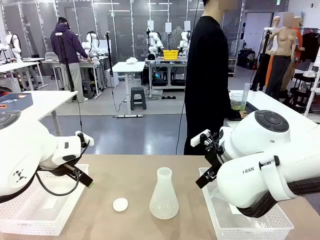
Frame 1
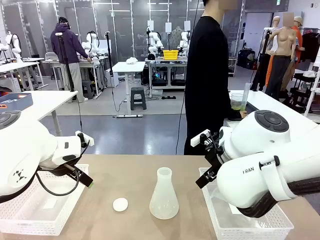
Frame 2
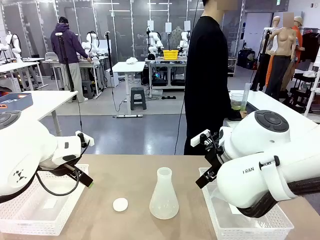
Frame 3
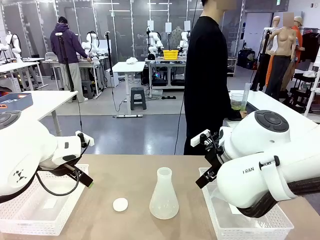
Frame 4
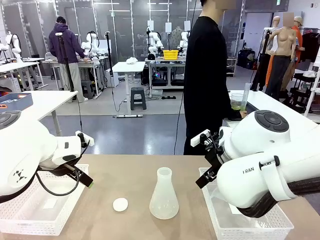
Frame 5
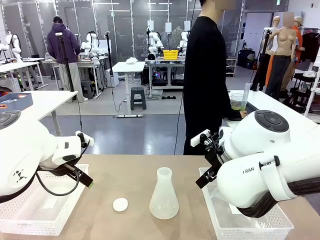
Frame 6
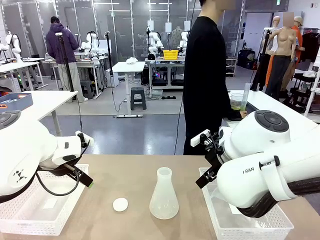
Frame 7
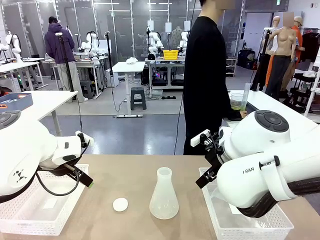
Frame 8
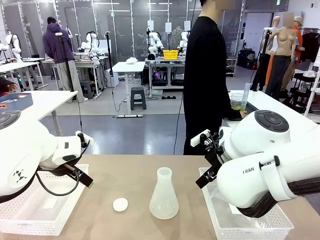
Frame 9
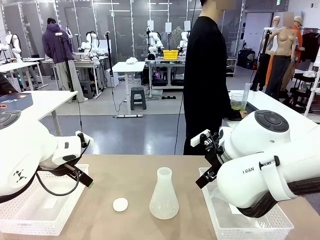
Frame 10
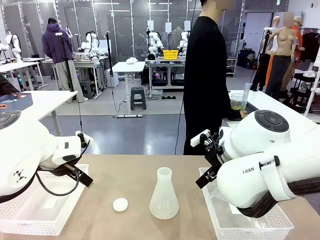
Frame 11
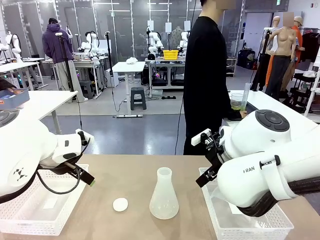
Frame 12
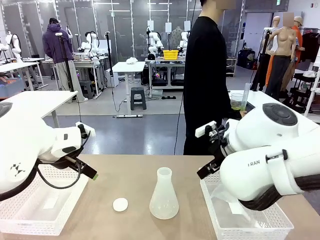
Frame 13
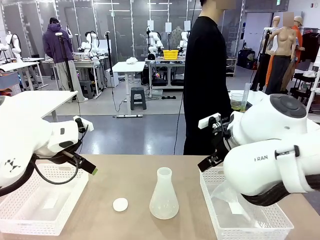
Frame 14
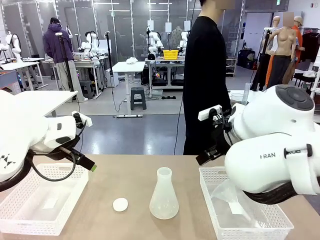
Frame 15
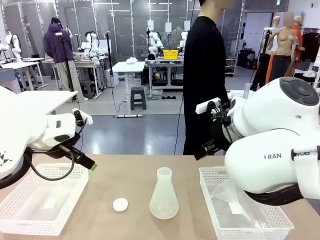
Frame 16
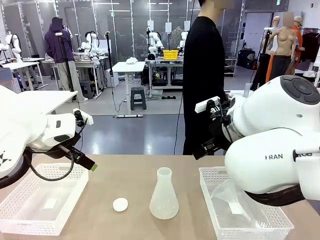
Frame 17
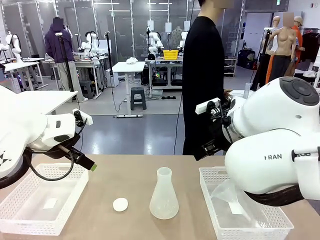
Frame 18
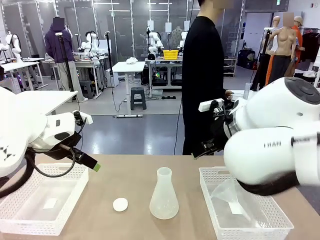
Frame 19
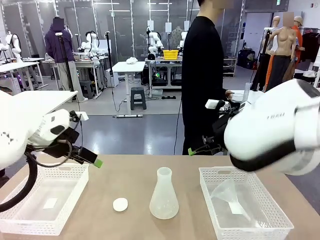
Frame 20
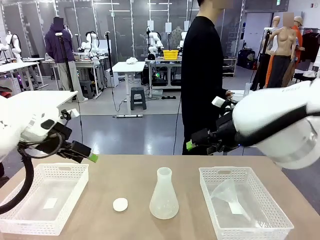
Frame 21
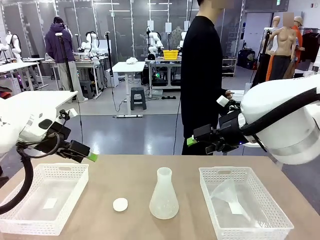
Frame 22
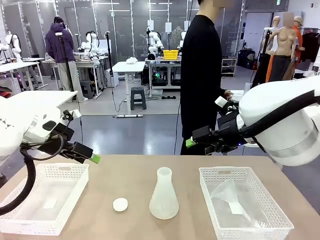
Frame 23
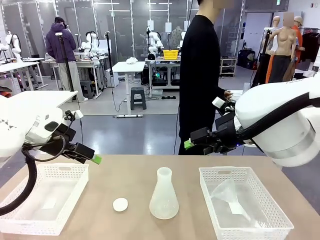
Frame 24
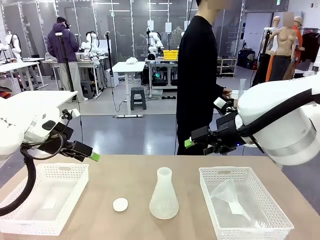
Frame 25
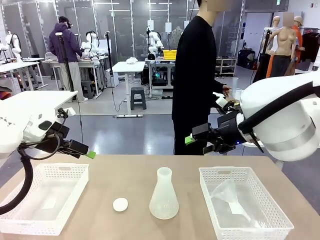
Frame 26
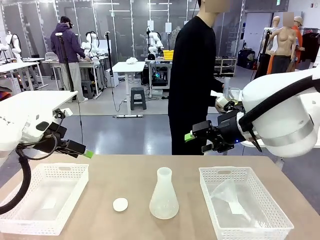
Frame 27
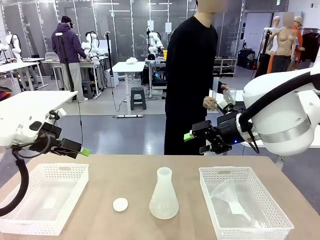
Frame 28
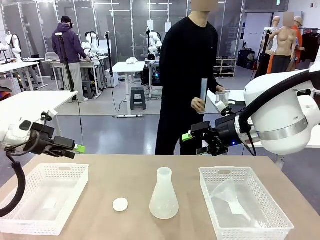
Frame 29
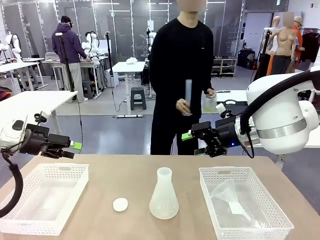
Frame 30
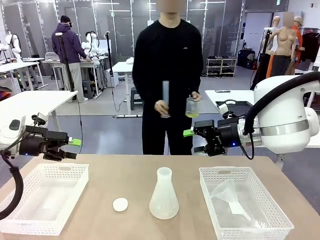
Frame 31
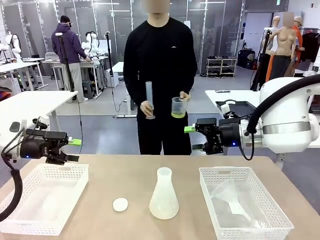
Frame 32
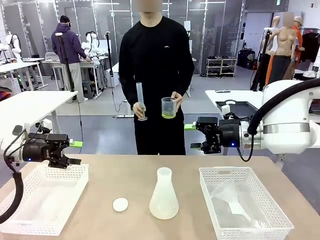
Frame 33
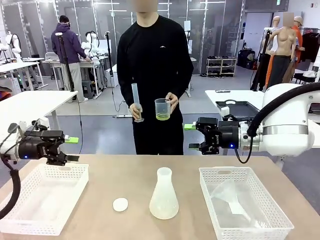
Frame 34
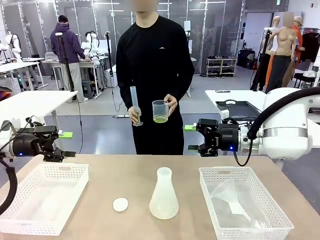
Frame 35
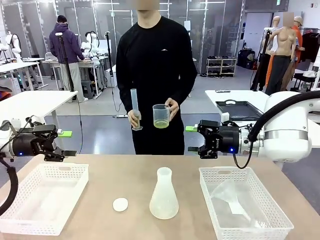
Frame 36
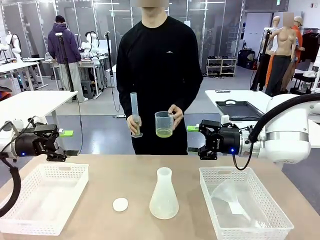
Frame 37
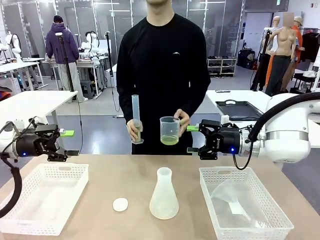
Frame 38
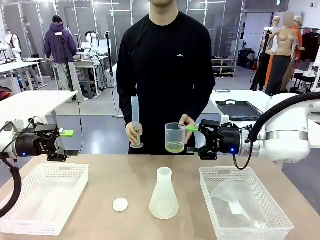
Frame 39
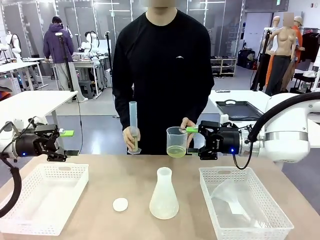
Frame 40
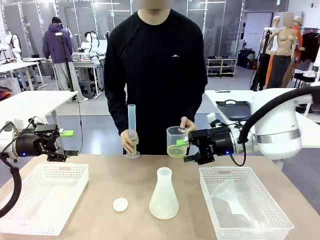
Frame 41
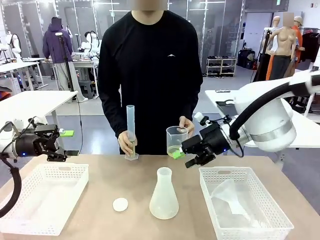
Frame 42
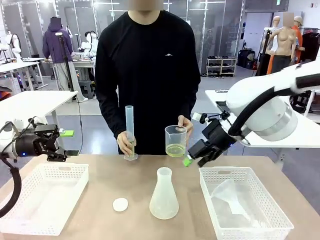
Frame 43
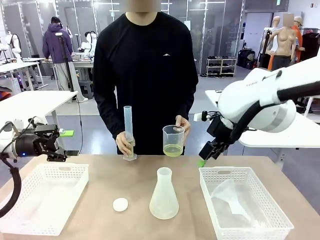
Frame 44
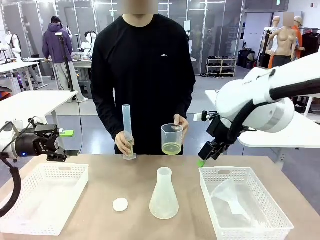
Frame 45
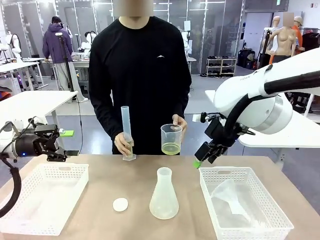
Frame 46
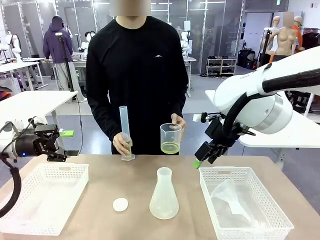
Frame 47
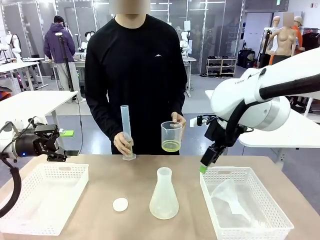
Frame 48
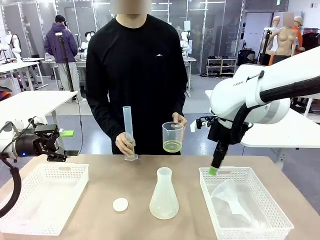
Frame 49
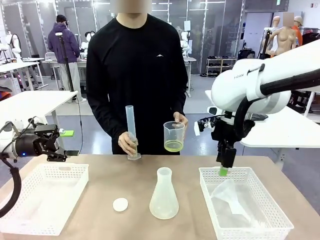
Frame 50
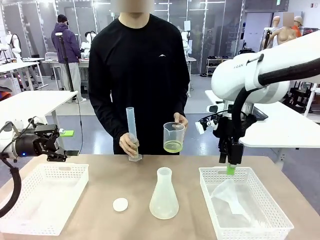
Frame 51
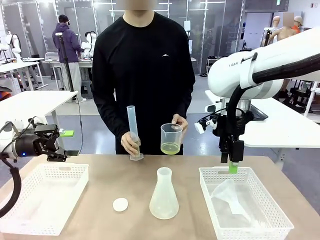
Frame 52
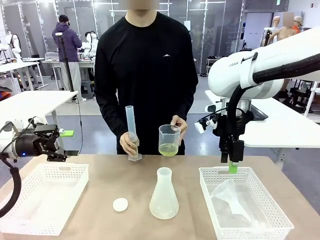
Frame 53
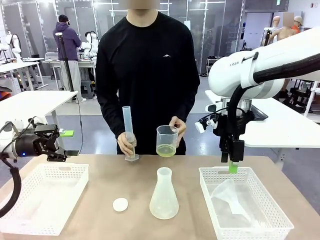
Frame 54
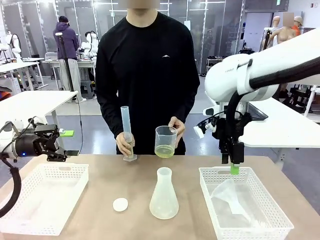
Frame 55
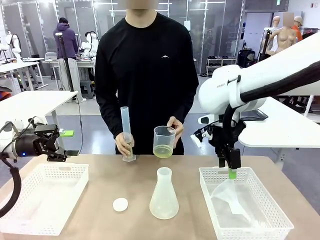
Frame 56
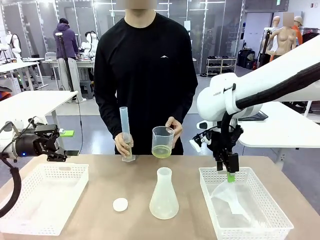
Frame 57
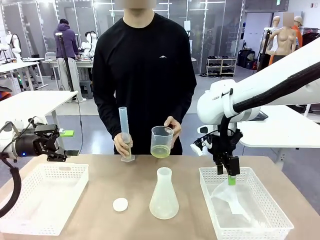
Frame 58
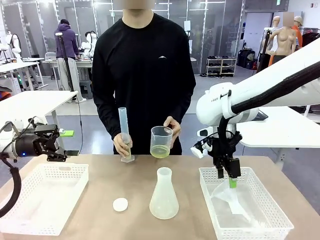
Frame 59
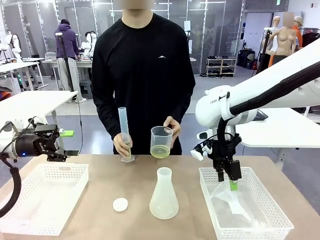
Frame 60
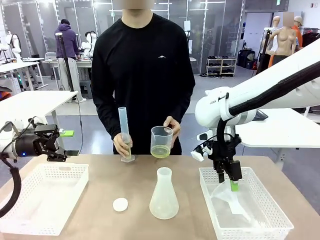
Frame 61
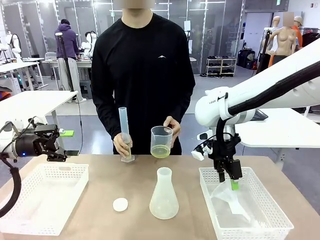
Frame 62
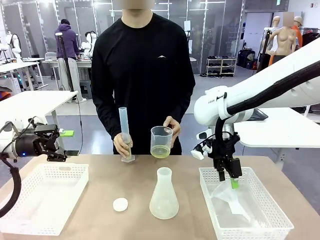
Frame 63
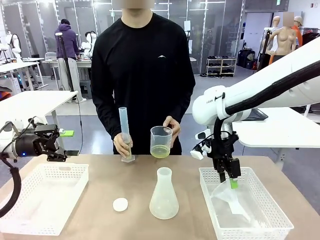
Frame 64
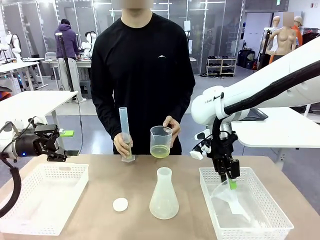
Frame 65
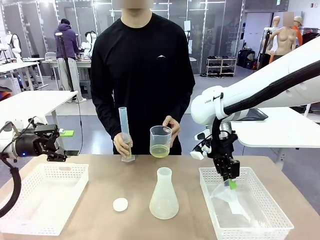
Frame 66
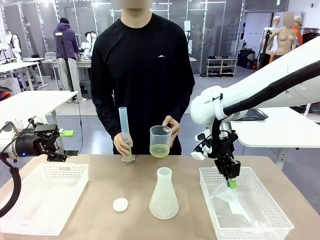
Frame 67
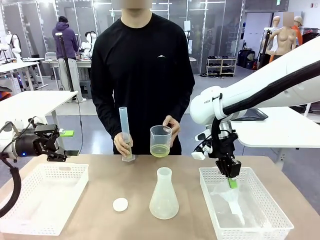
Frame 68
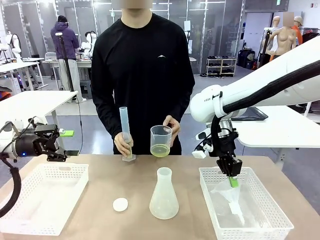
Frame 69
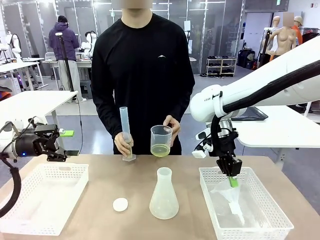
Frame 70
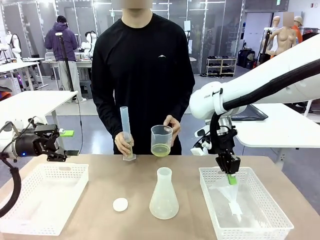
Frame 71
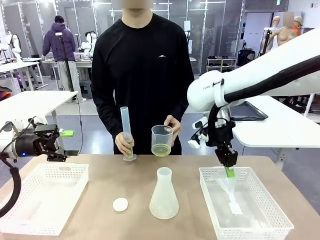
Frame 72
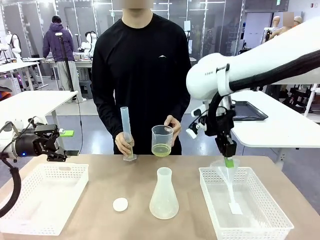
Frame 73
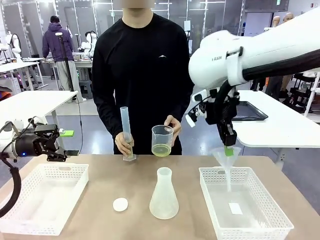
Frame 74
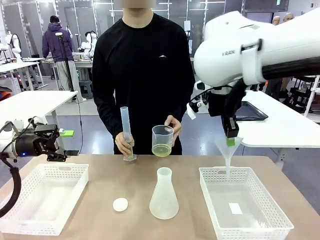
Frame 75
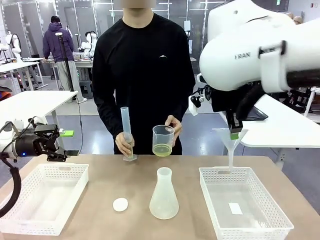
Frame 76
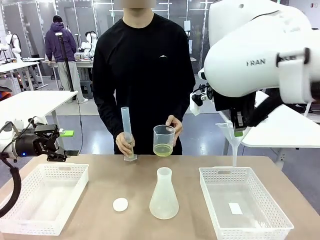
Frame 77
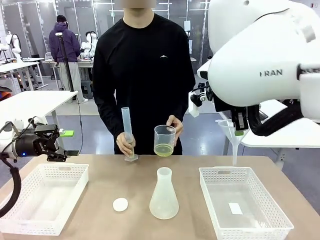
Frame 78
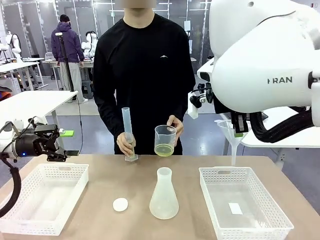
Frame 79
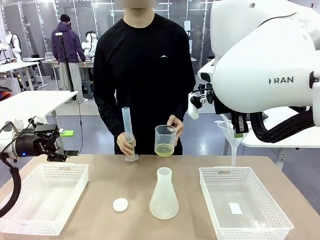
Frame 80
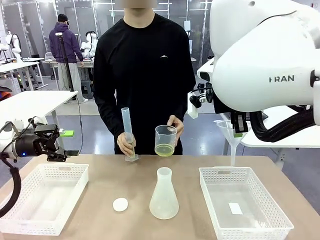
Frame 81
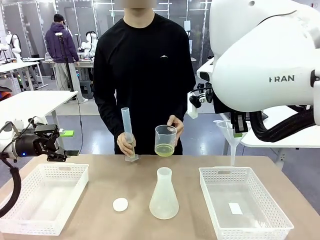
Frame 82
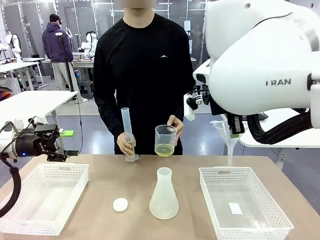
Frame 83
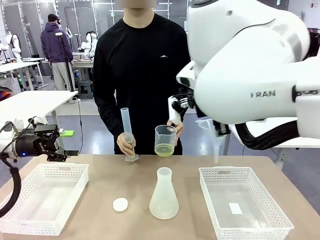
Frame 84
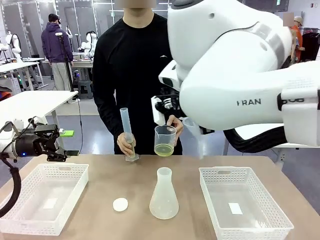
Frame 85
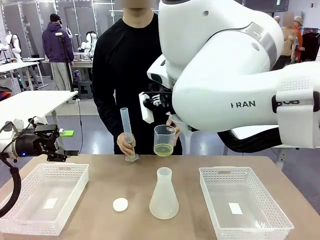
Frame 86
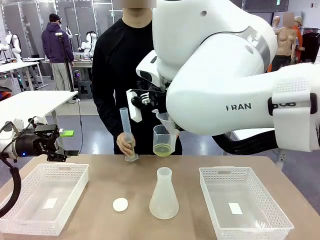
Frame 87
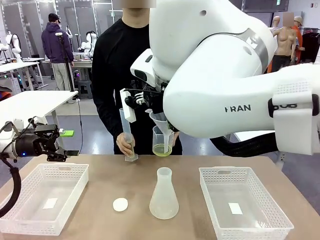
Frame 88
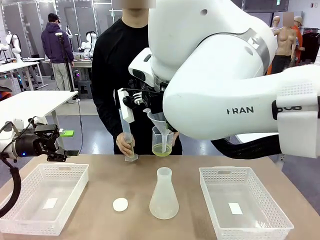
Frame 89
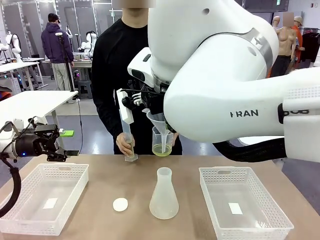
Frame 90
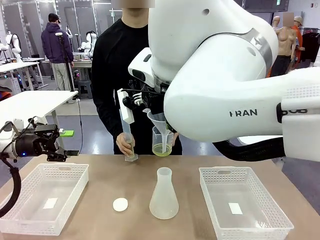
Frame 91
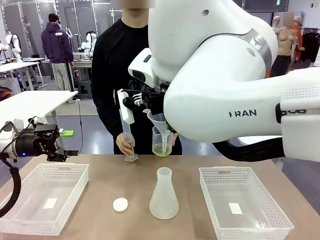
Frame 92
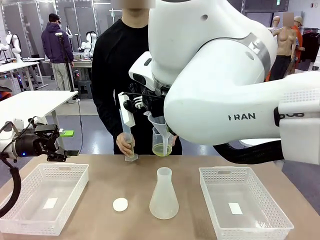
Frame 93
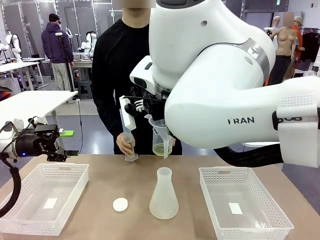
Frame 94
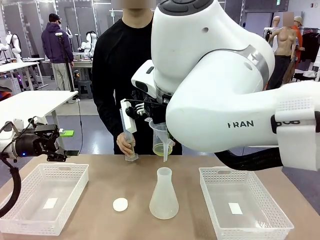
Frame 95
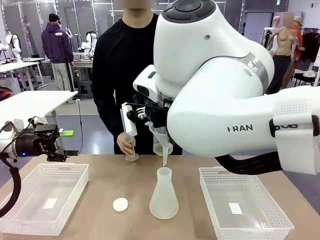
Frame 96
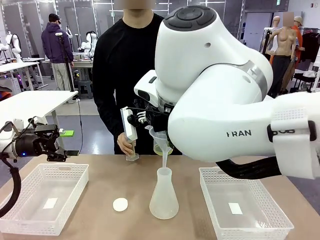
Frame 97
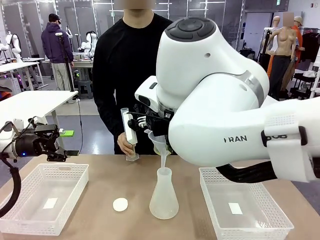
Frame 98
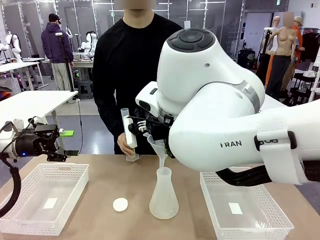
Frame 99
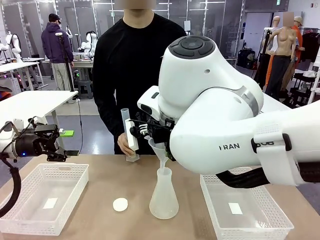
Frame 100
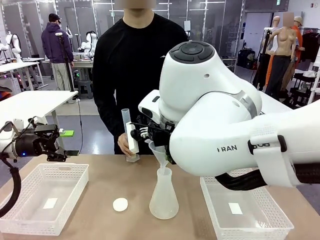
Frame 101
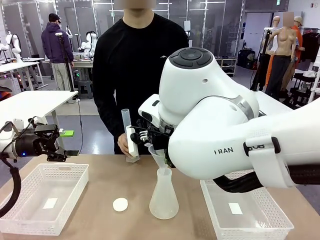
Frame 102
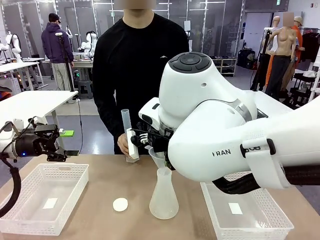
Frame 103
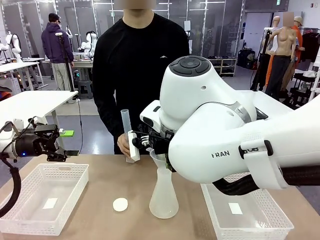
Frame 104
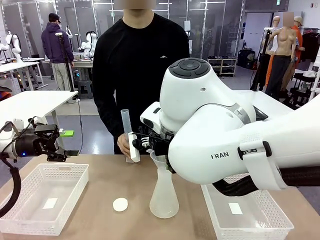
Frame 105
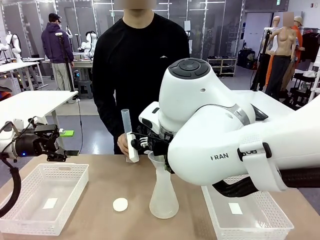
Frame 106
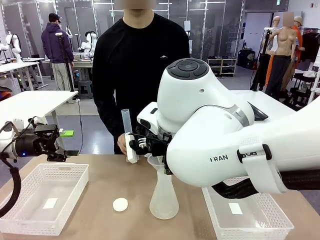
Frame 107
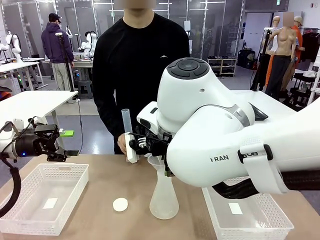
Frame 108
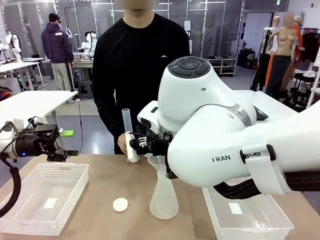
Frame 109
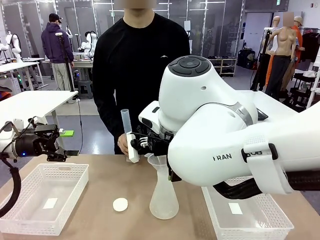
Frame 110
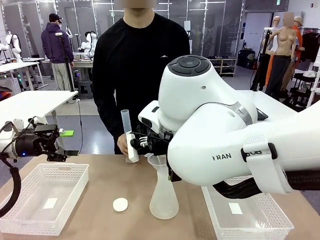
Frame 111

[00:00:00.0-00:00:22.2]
Task: Prepare the solutions needed for the experiment.
Robot: Pick up the Plastic Funnel and insert it into the Big flask.
Person: Pick up the beaker and the cylinder and move to the middle of the robot table. Pour the solution from the beaker and the cylinder into the flask.
